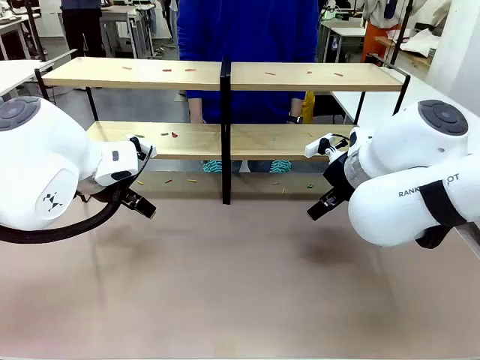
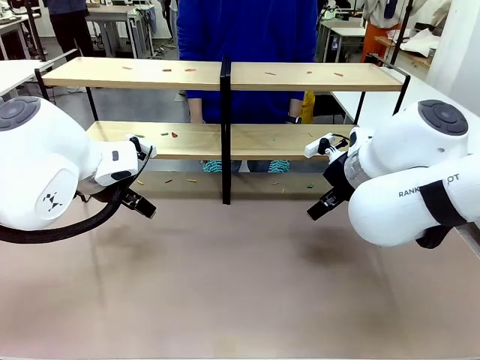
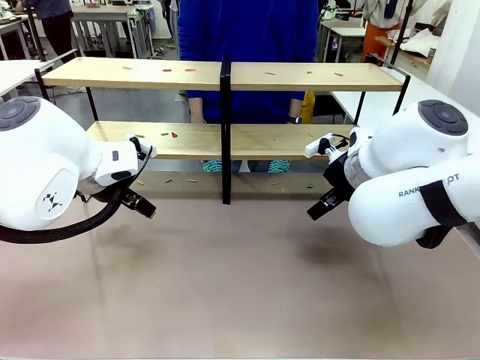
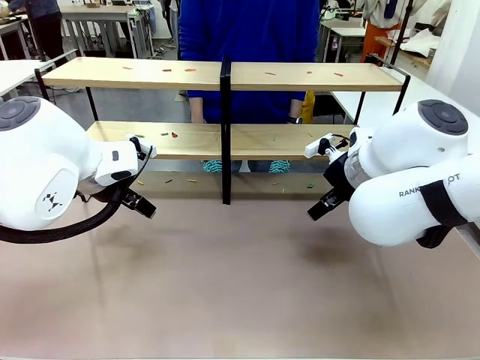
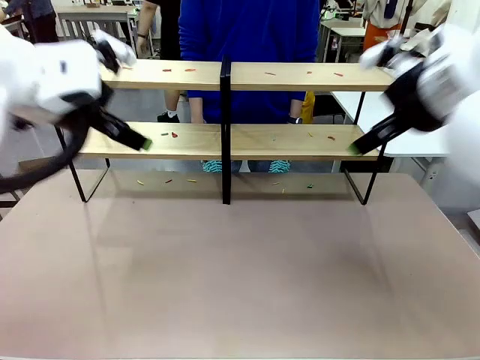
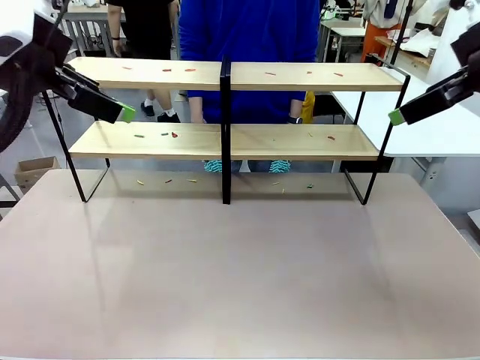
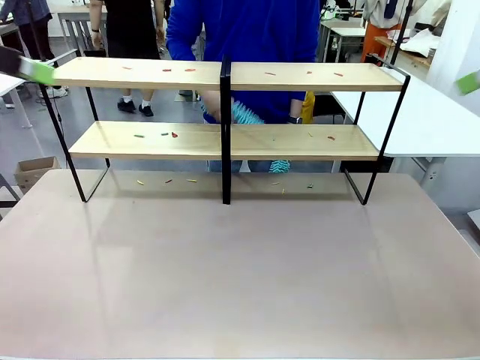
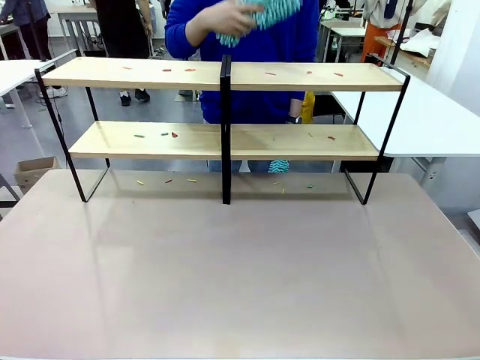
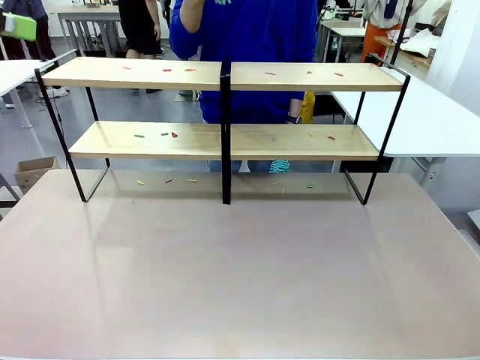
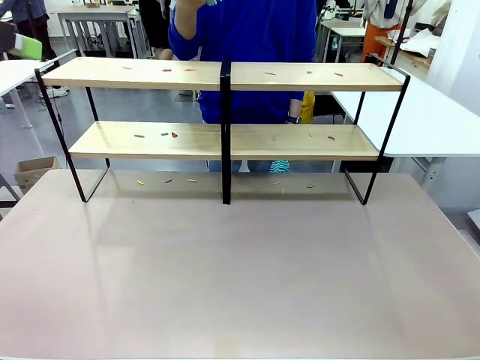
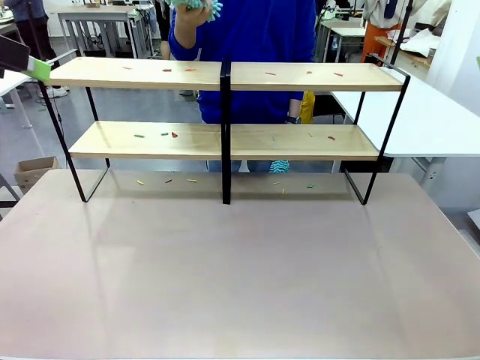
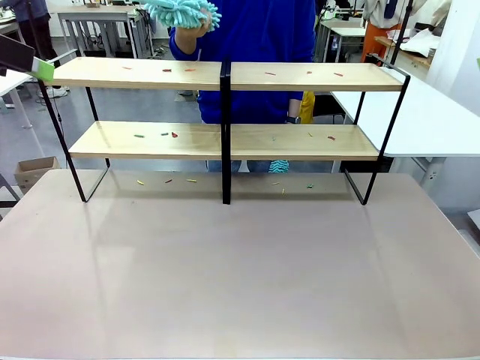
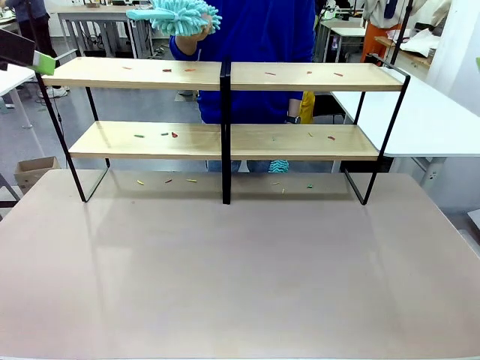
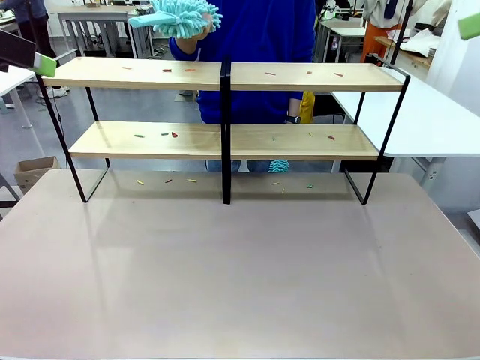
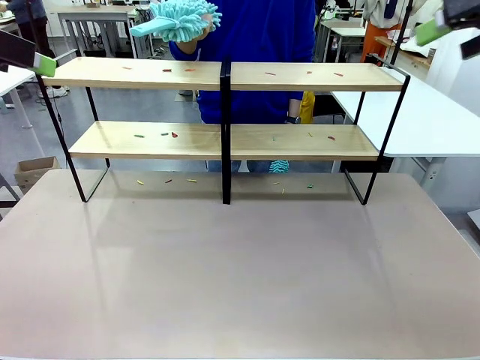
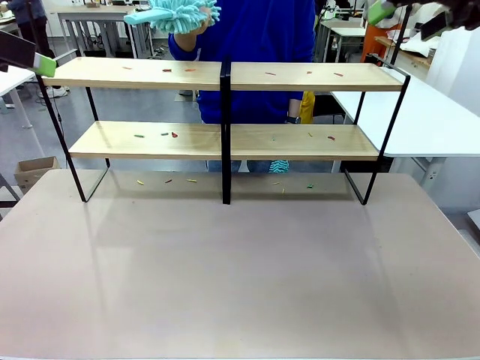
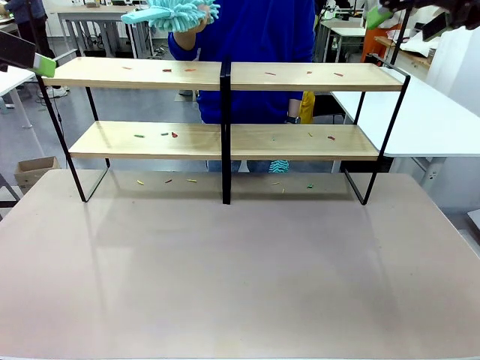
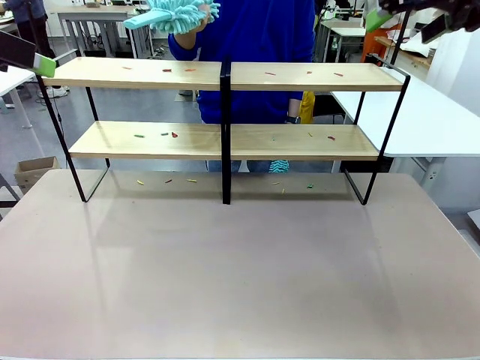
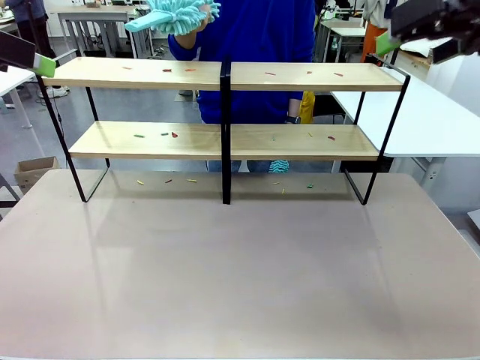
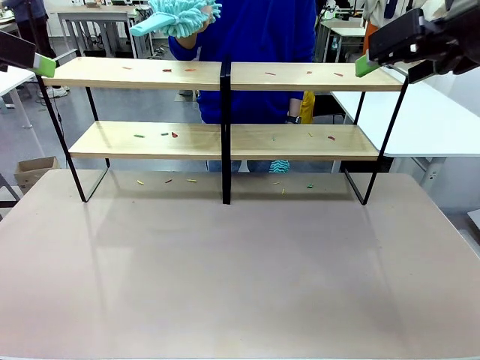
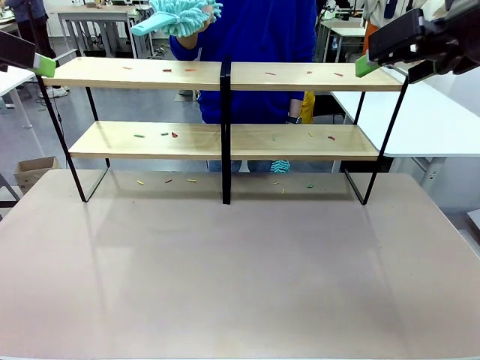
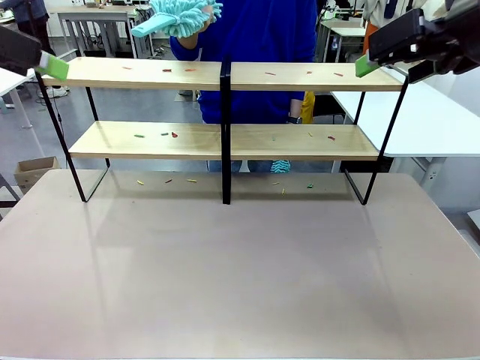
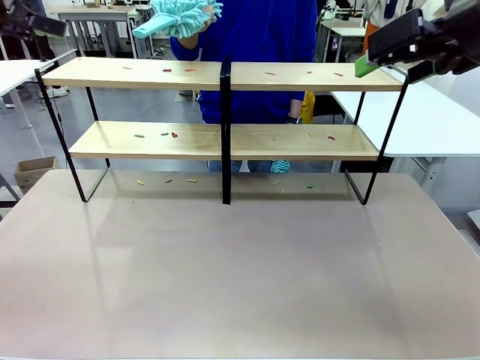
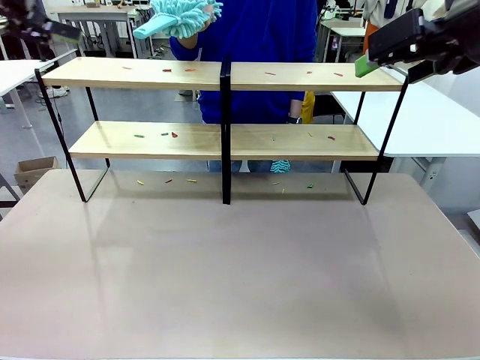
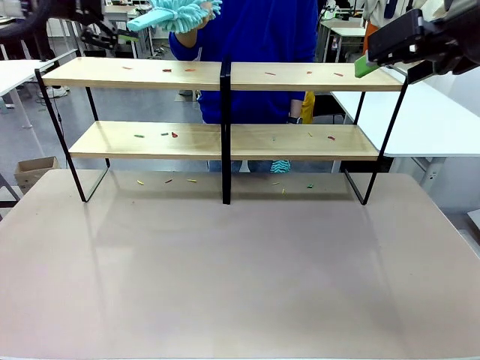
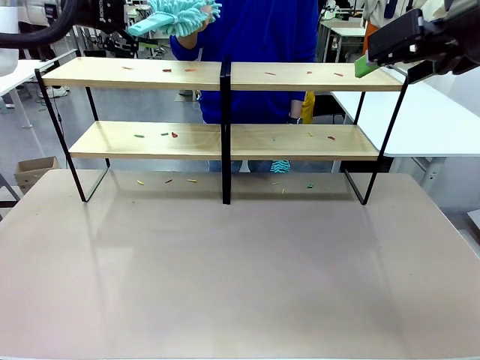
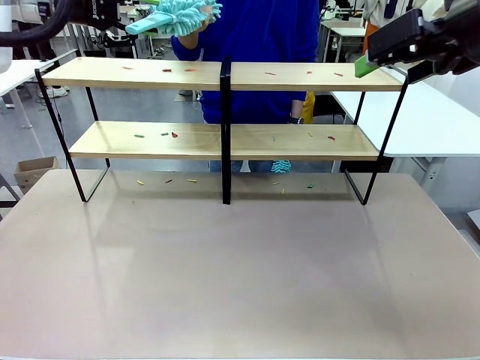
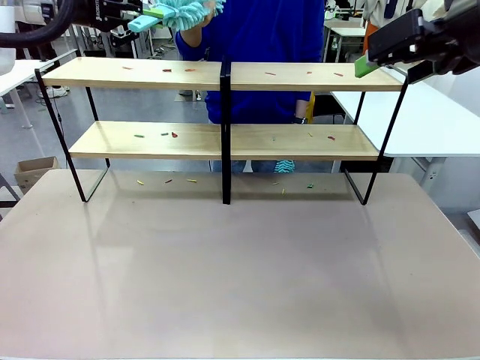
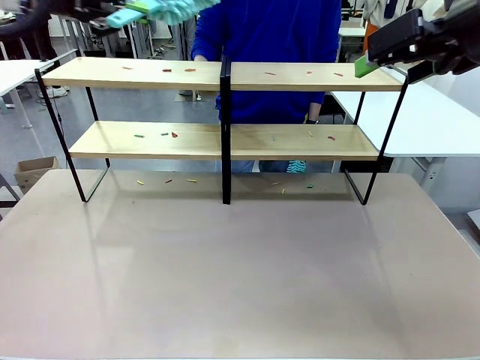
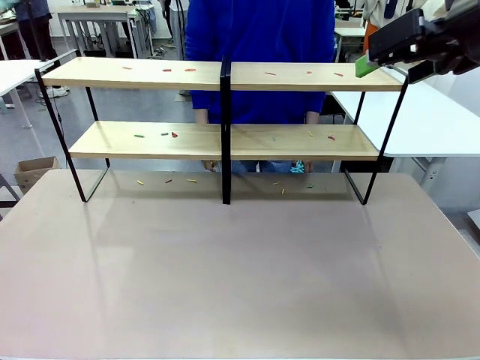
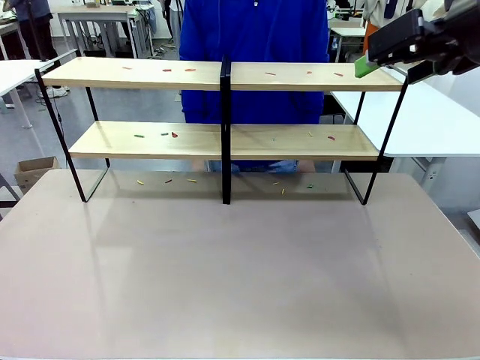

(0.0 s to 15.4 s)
Task: Clean the shelves.
Robot: Pick up the Duster when the human hands it over.
Person: Hand the Duster to the robot with your right (or left) hand.

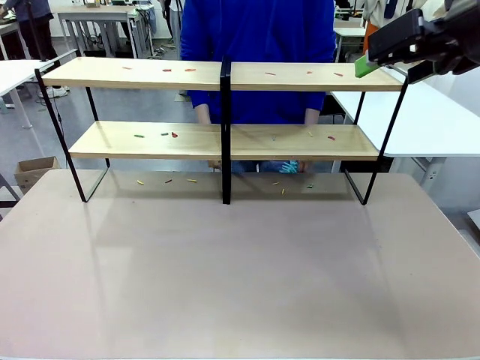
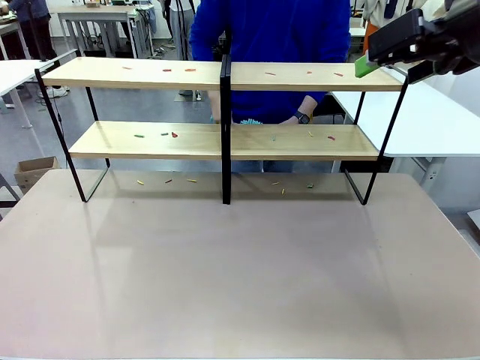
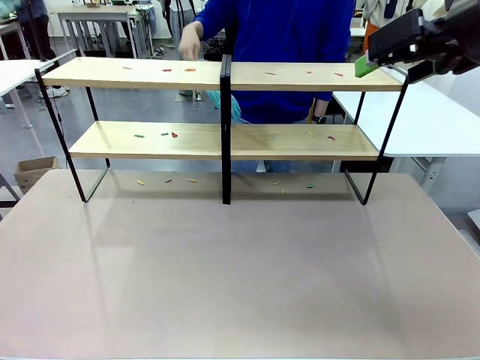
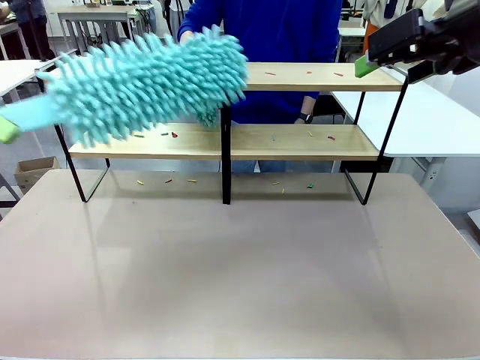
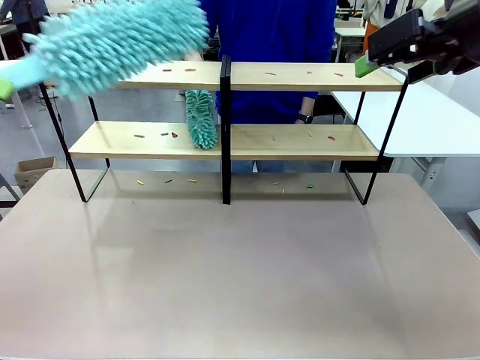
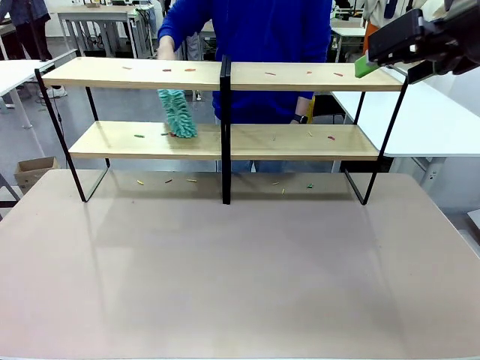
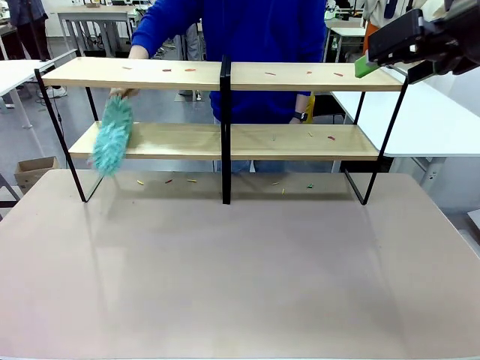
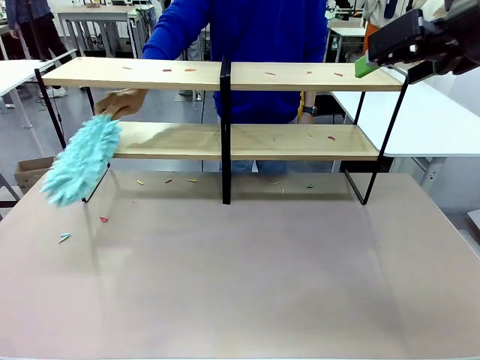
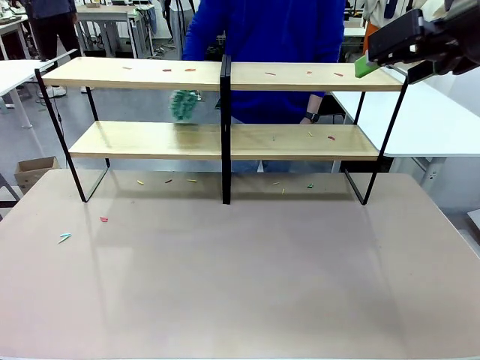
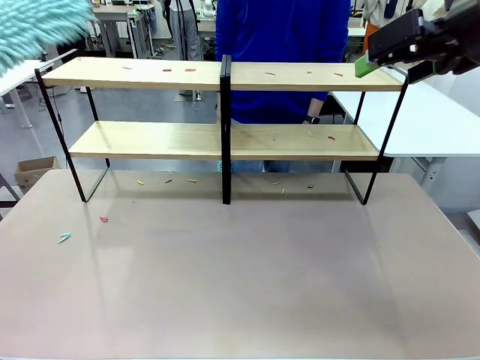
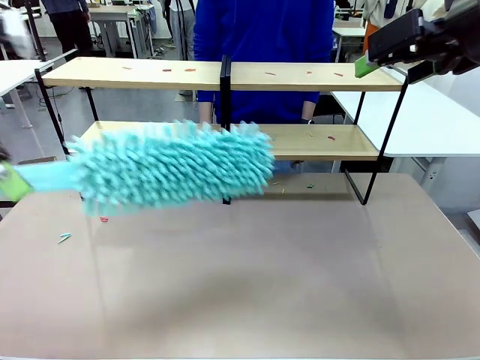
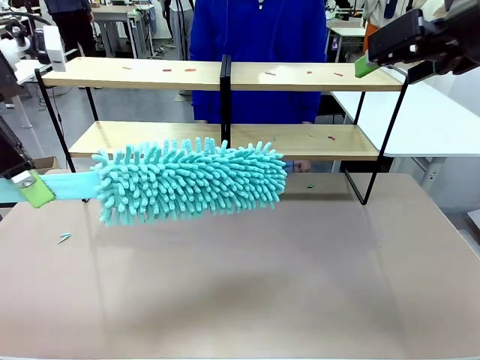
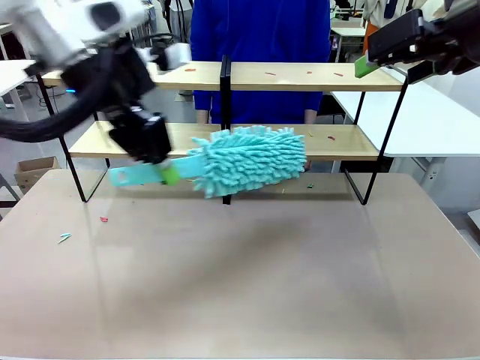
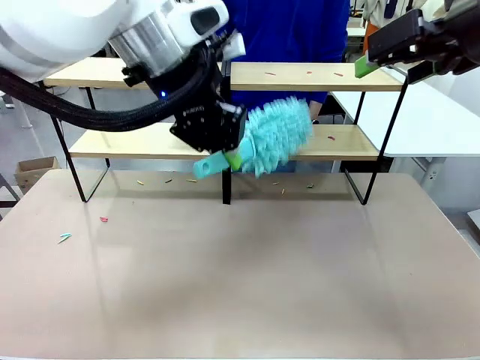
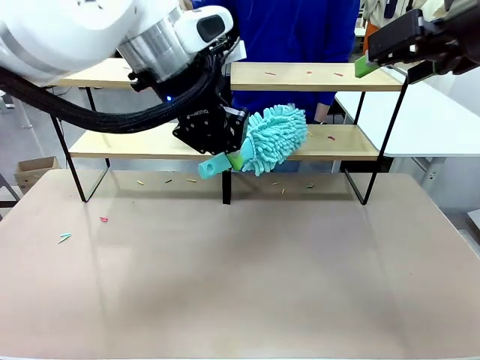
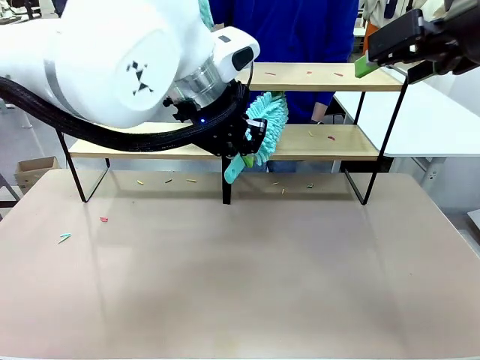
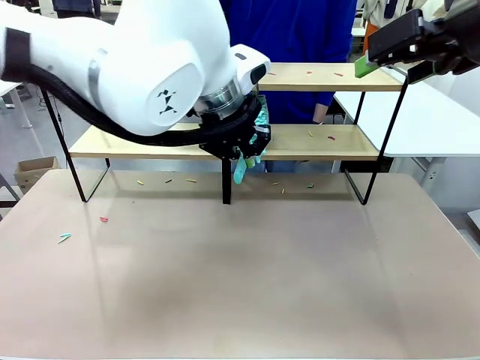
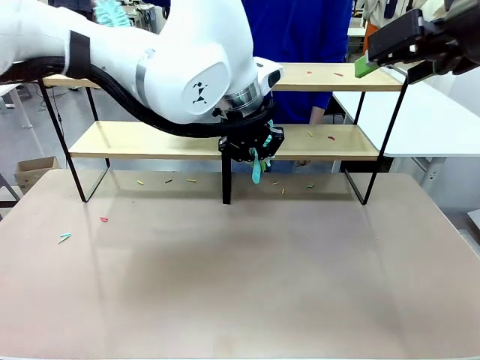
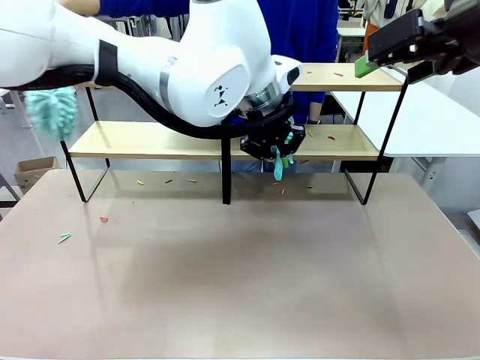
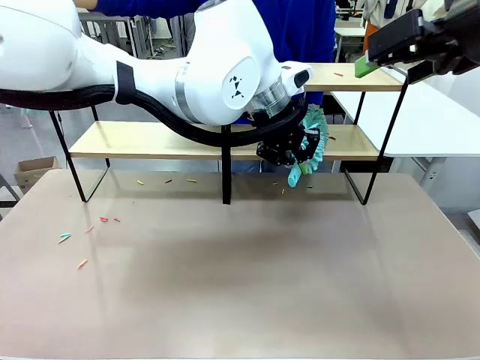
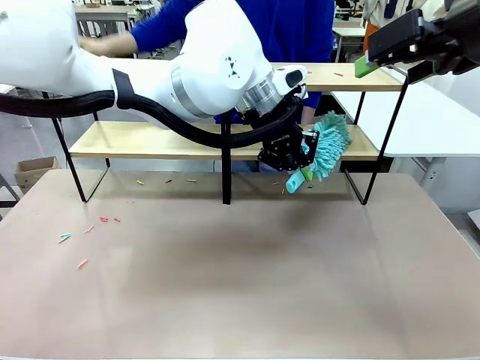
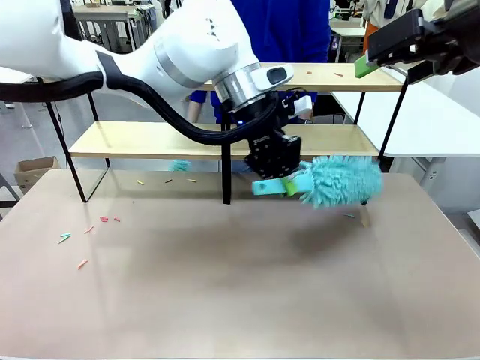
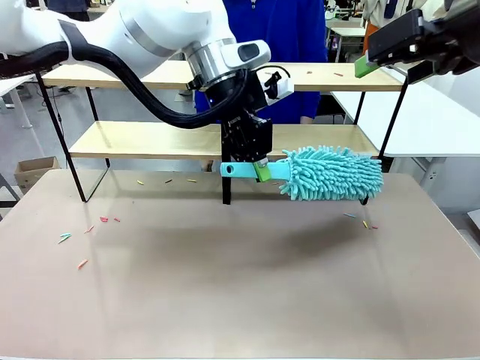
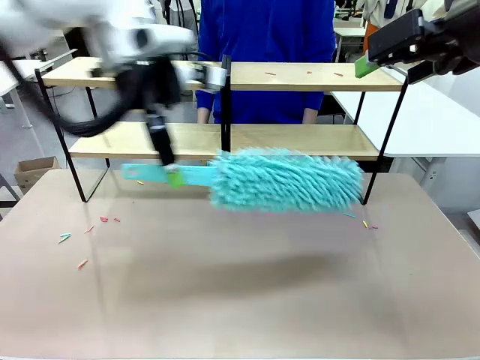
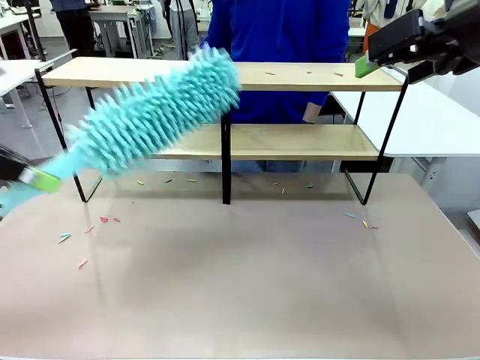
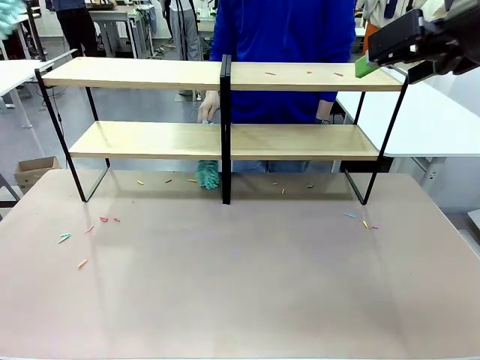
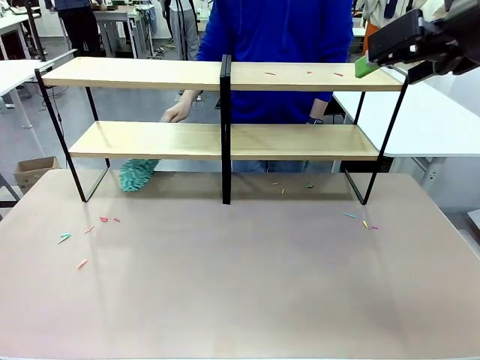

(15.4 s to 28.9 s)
Robot: Clean a randomly selected level of the Shelf with the Duster.
